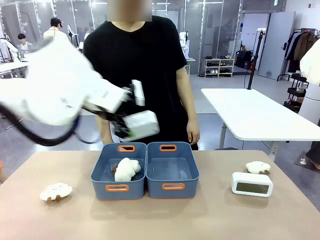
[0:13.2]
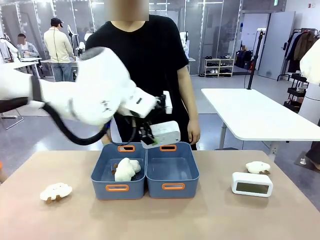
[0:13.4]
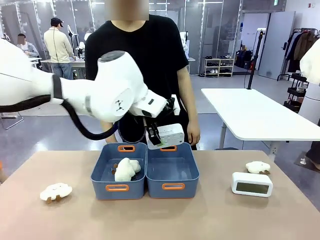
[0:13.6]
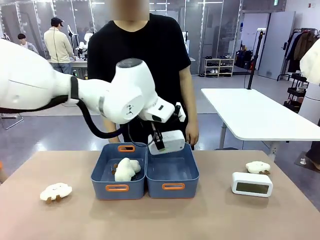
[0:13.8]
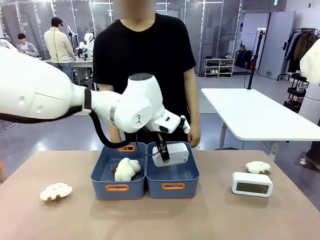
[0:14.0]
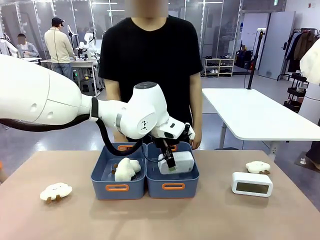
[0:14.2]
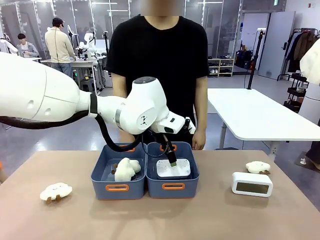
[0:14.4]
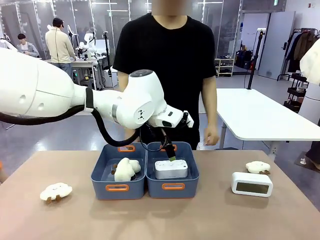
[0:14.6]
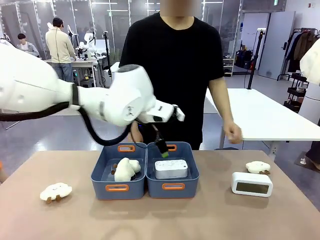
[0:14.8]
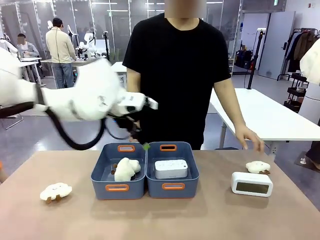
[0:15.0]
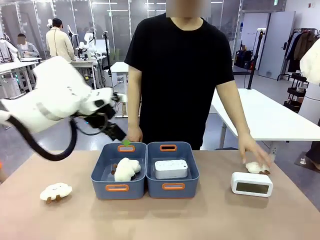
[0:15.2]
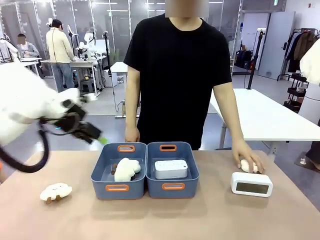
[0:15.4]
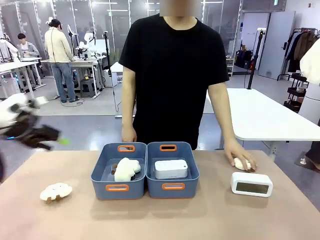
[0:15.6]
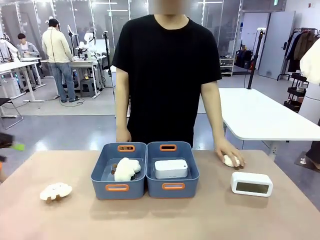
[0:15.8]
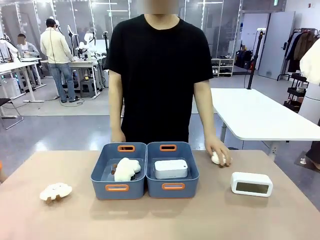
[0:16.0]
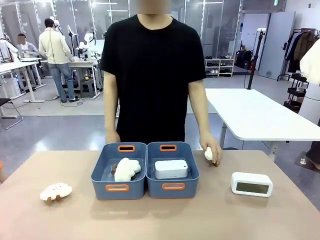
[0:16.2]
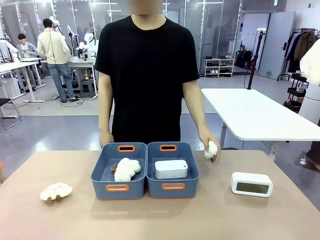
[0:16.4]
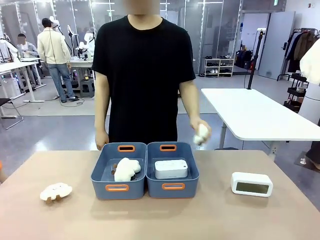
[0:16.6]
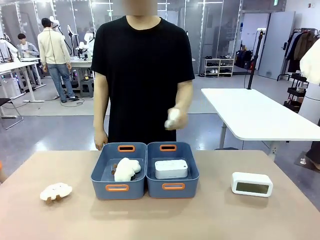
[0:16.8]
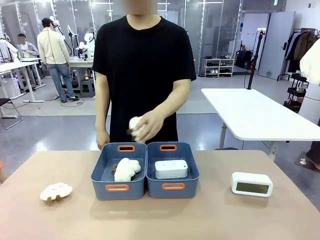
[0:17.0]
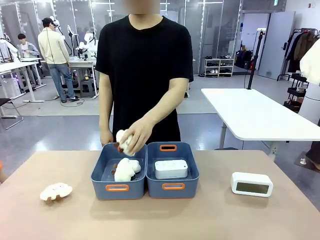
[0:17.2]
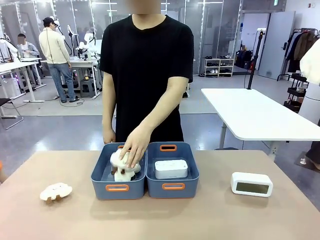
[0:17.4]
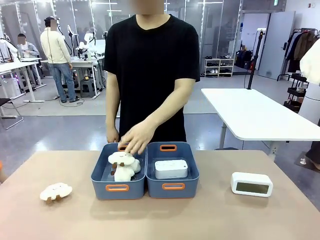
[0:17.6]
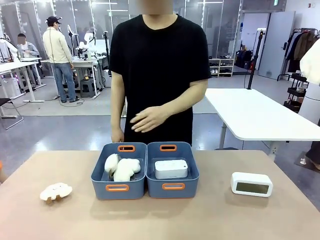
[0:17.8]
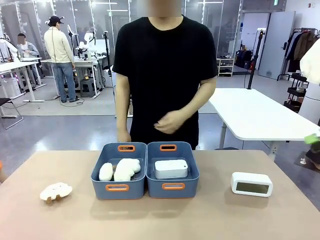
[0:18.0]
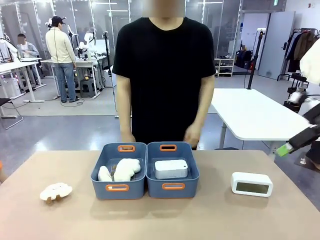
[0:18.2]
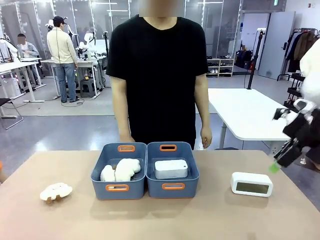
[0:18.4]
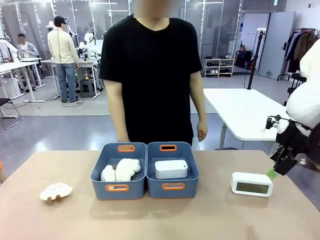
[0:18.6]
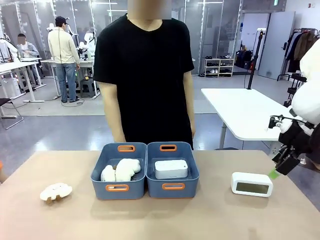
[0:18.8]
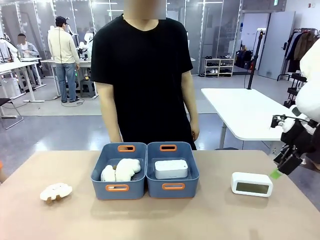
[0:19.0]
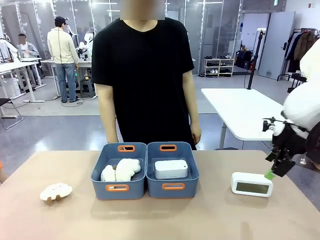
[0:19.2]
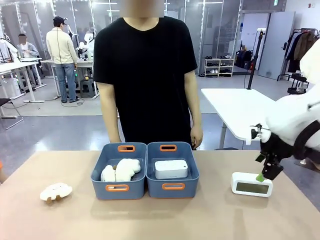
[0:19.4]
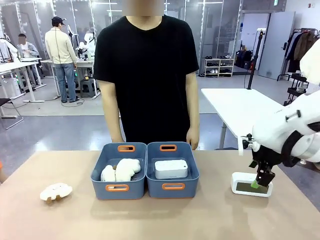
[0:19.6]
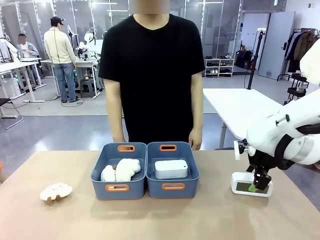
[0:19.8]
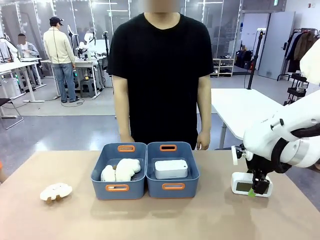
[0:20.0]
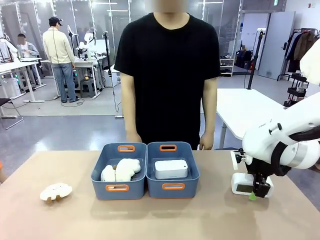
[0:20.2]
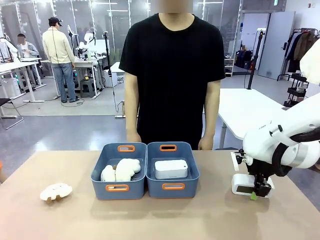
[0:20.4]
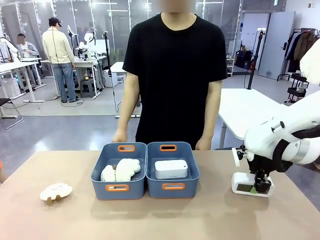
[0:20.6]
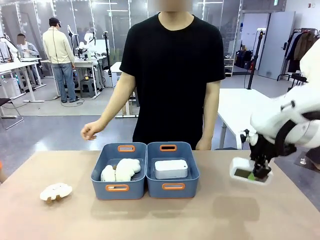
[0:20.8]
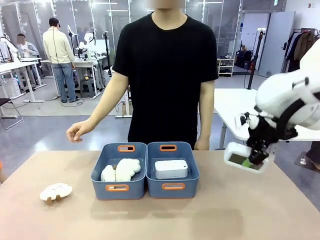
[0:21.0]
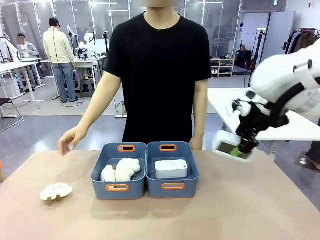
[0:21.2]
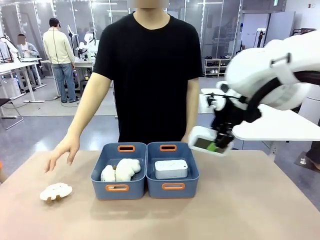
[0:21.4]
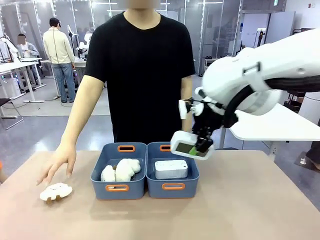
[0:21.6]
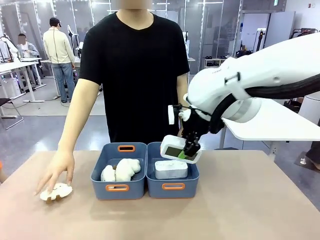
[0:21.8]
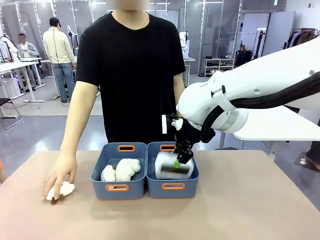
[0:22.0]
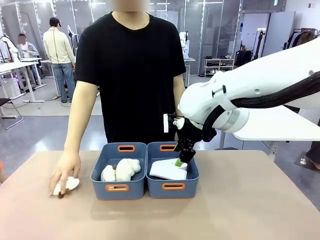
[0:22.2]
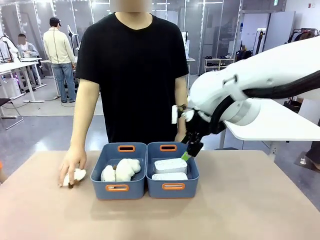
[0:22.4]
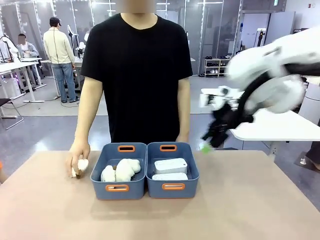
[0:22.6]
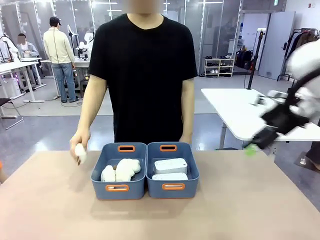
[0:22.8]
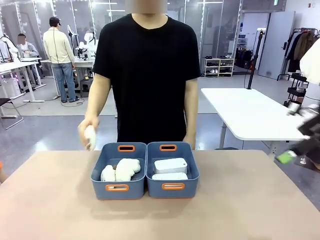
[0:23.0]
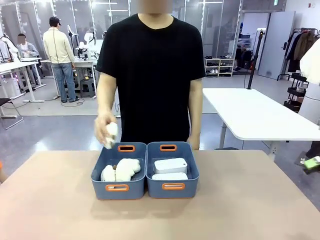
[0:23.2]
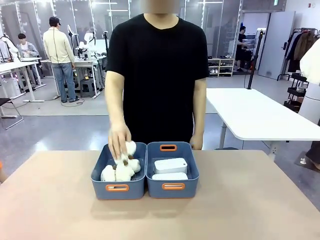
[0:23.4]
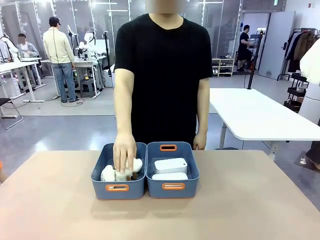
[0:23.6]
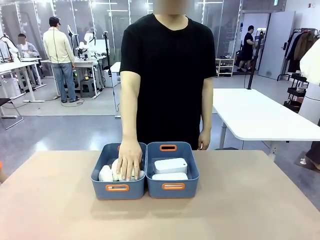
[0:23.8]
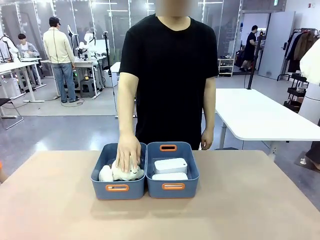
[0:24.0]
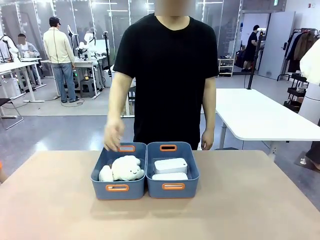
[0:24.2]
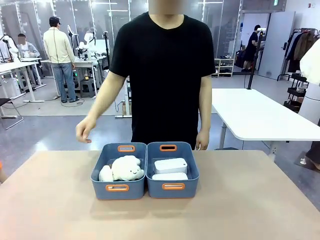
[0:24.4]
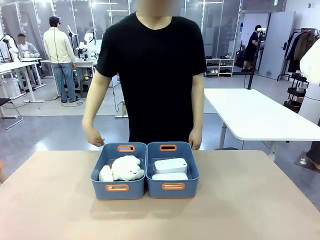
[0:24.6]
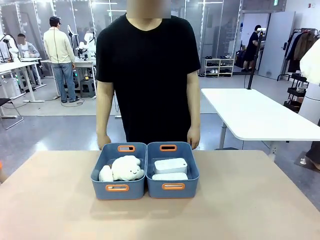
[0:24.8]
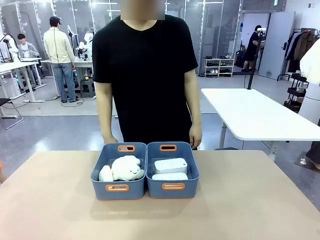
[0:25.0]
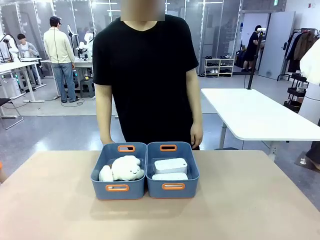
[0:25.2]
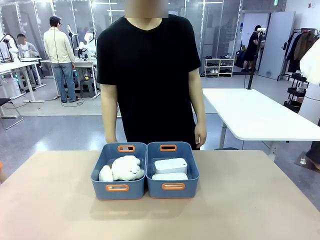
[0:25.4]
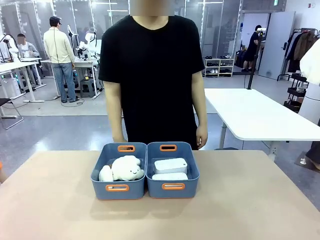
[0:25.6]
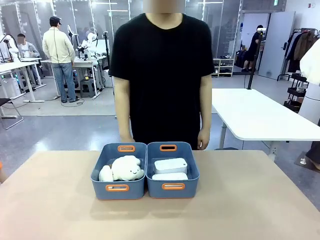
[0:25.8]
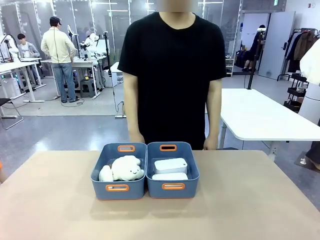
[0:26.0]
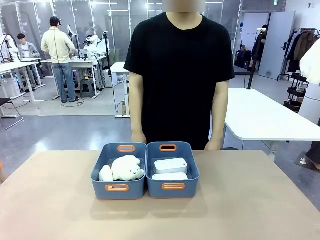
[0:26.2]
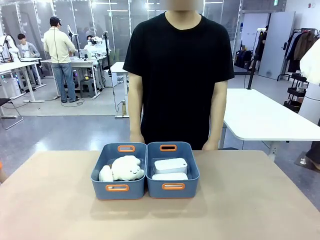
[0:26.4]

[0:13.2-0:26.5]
Task: Sort the digital clocks into the basket.
Robot: Pick up the Digital clock from the table and place it into the empty Plastic storage basket.
Person: Pick up a plush toy from the table and place it in the plastic storage basket containing the plush toy.
